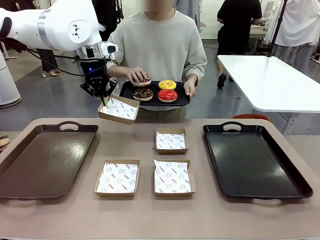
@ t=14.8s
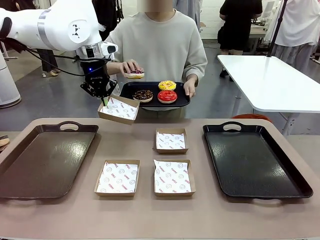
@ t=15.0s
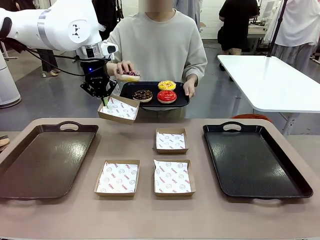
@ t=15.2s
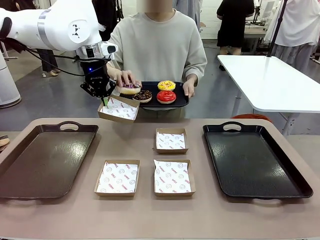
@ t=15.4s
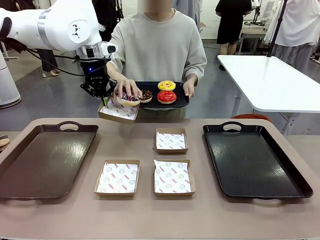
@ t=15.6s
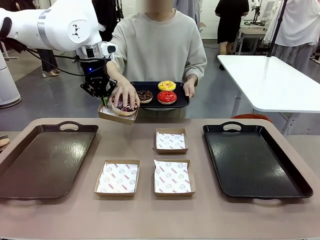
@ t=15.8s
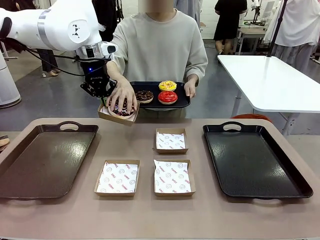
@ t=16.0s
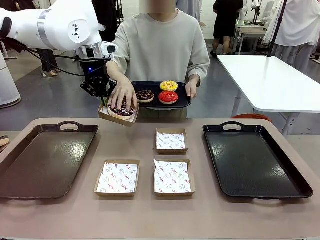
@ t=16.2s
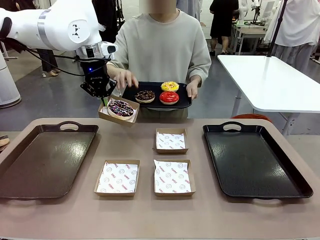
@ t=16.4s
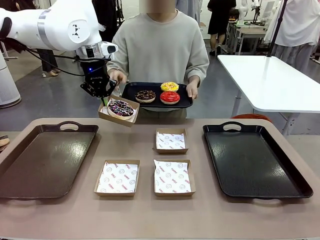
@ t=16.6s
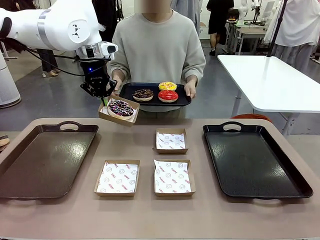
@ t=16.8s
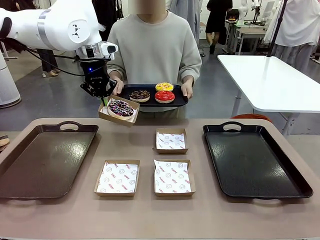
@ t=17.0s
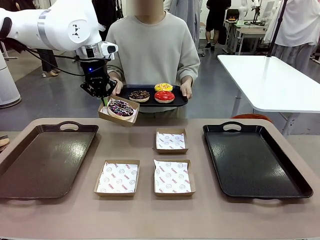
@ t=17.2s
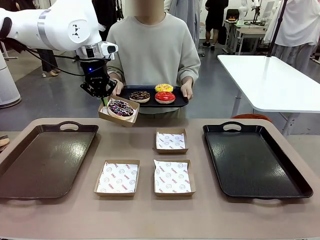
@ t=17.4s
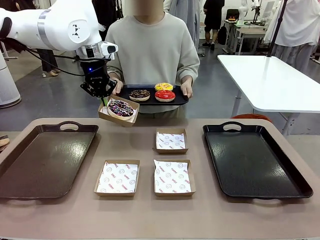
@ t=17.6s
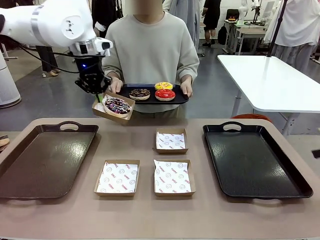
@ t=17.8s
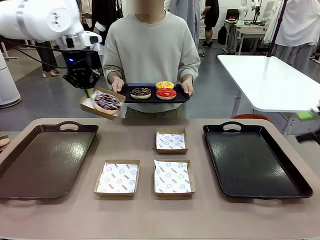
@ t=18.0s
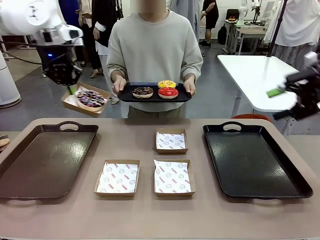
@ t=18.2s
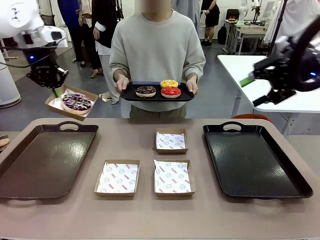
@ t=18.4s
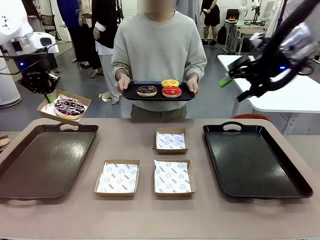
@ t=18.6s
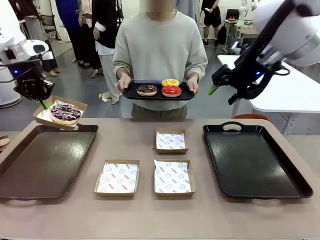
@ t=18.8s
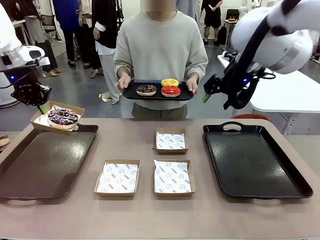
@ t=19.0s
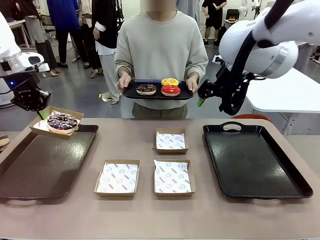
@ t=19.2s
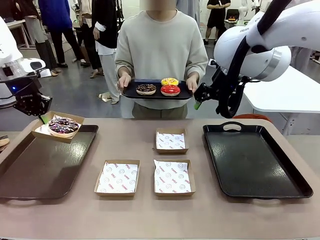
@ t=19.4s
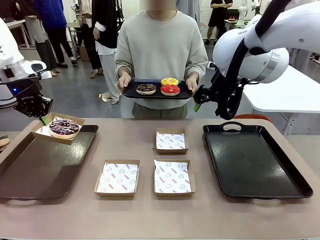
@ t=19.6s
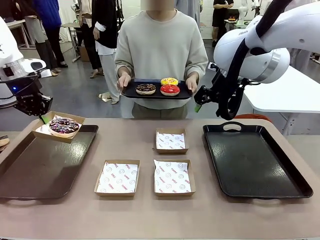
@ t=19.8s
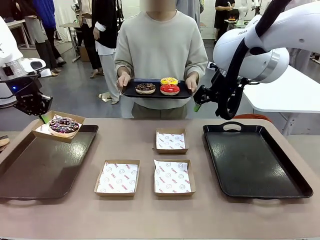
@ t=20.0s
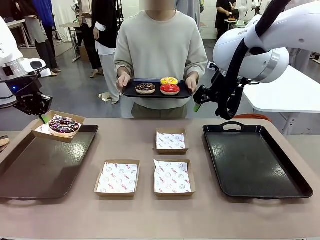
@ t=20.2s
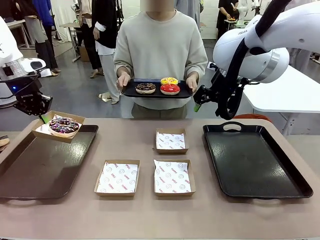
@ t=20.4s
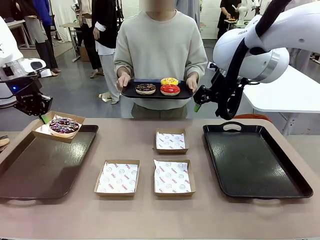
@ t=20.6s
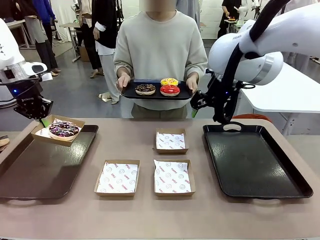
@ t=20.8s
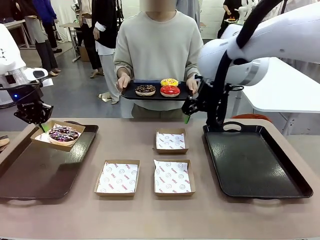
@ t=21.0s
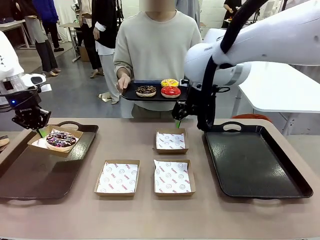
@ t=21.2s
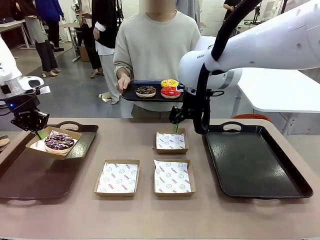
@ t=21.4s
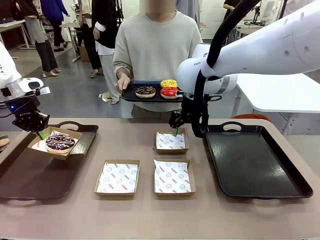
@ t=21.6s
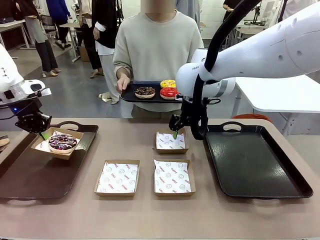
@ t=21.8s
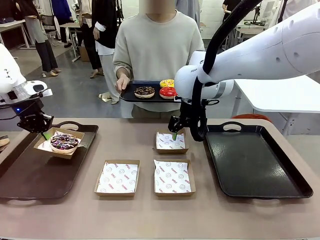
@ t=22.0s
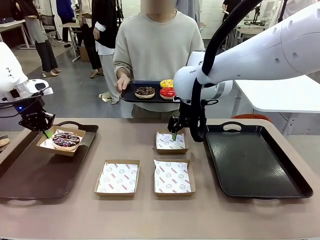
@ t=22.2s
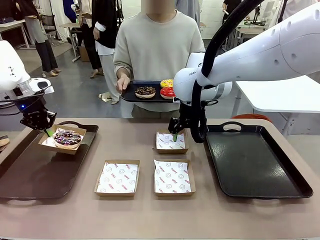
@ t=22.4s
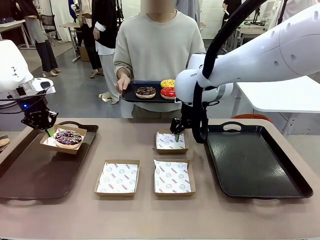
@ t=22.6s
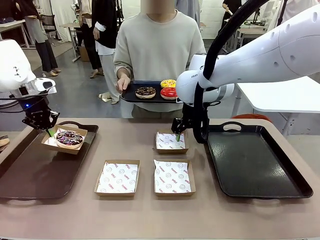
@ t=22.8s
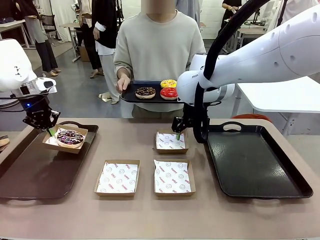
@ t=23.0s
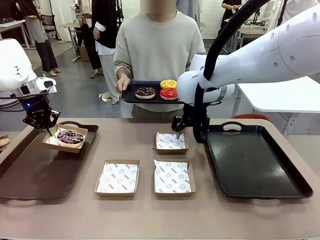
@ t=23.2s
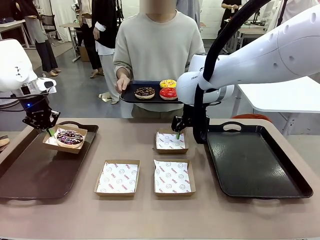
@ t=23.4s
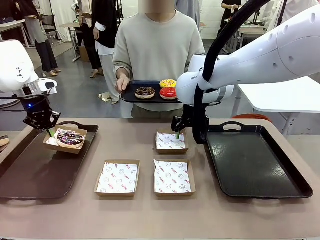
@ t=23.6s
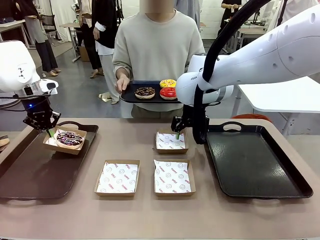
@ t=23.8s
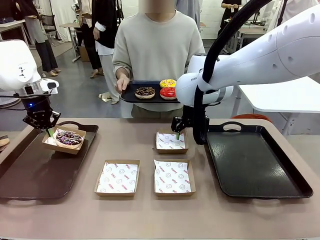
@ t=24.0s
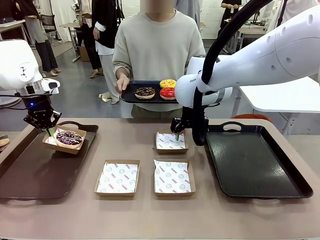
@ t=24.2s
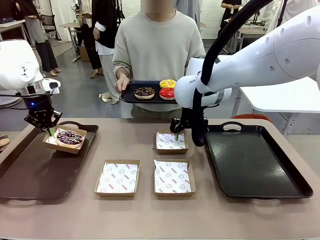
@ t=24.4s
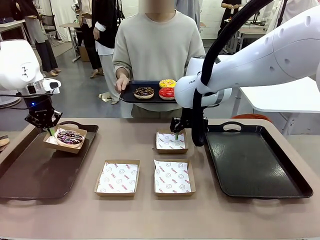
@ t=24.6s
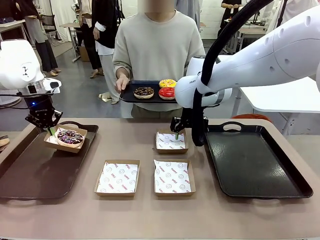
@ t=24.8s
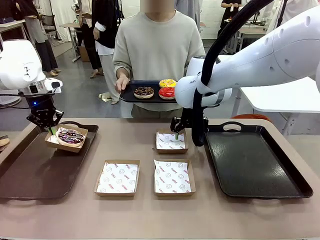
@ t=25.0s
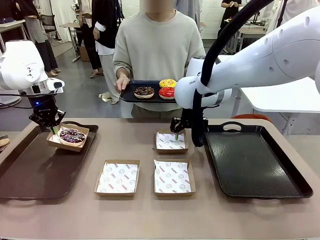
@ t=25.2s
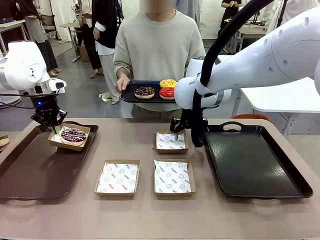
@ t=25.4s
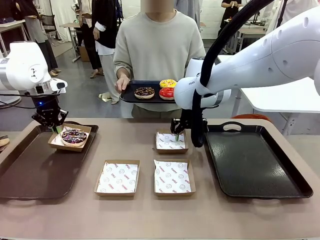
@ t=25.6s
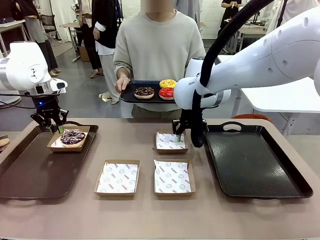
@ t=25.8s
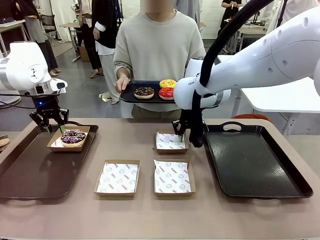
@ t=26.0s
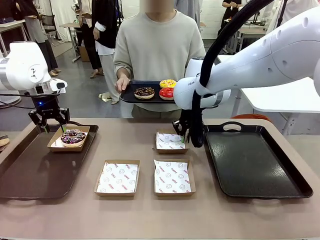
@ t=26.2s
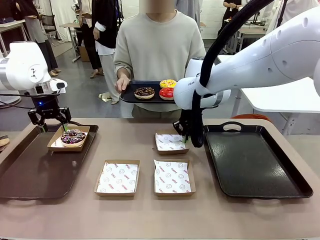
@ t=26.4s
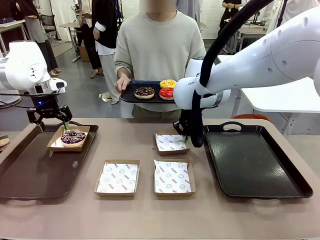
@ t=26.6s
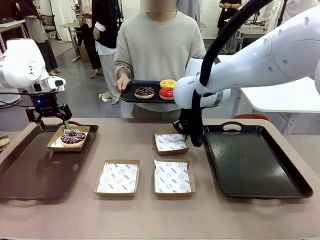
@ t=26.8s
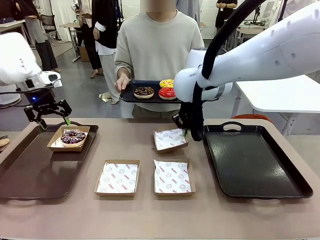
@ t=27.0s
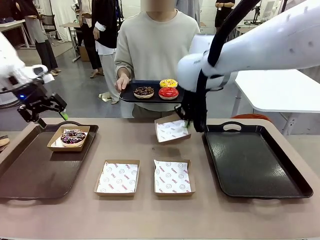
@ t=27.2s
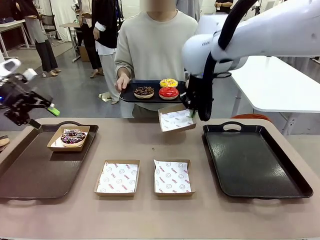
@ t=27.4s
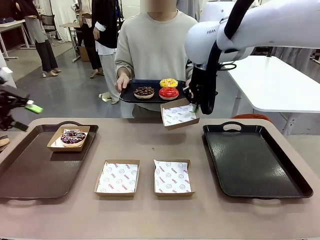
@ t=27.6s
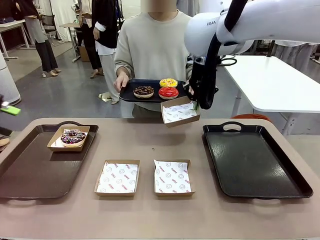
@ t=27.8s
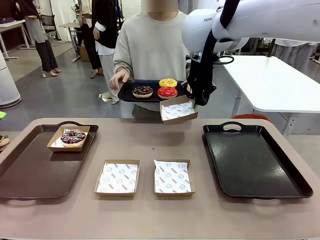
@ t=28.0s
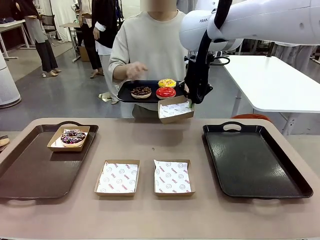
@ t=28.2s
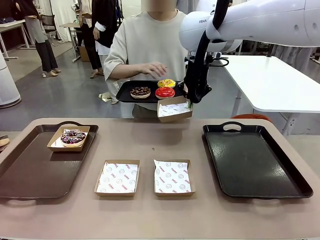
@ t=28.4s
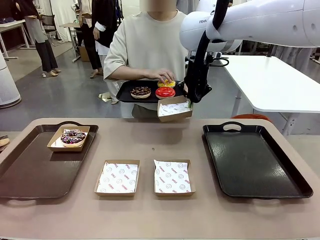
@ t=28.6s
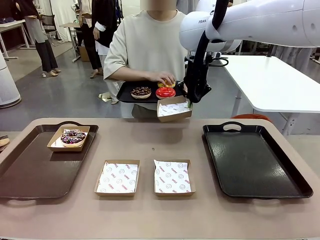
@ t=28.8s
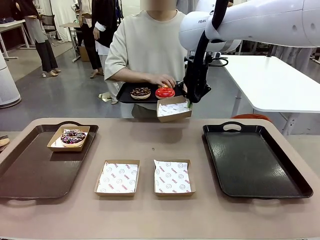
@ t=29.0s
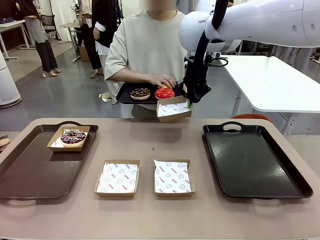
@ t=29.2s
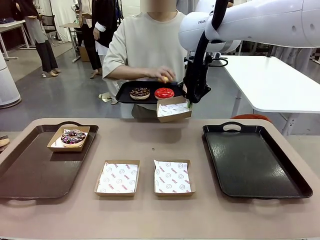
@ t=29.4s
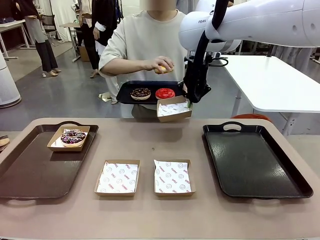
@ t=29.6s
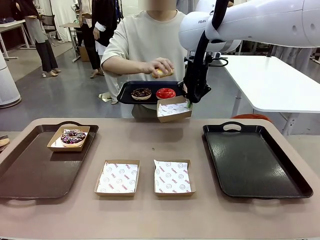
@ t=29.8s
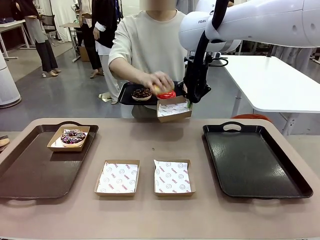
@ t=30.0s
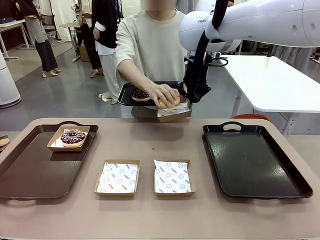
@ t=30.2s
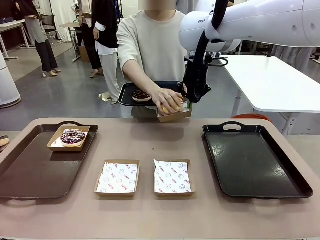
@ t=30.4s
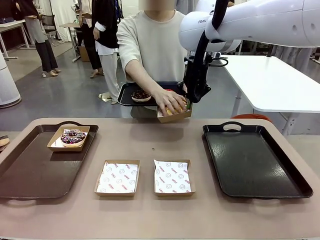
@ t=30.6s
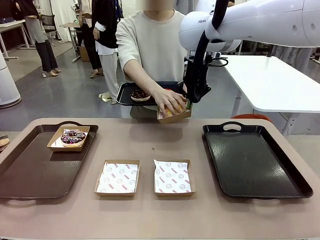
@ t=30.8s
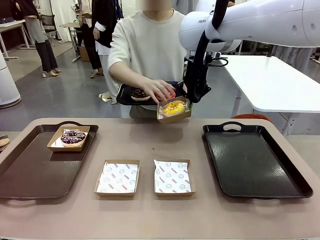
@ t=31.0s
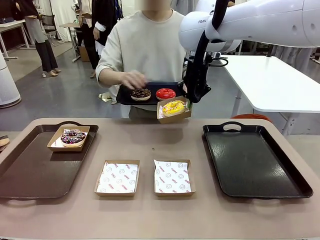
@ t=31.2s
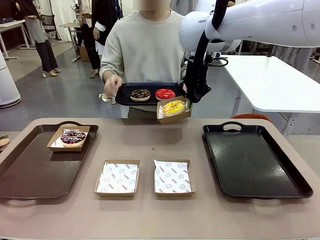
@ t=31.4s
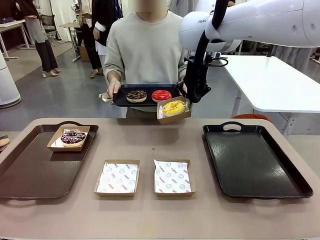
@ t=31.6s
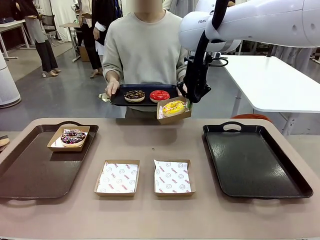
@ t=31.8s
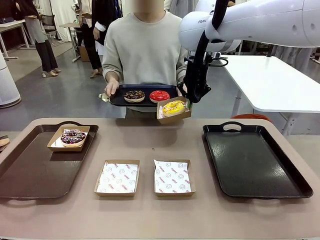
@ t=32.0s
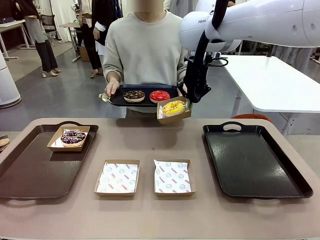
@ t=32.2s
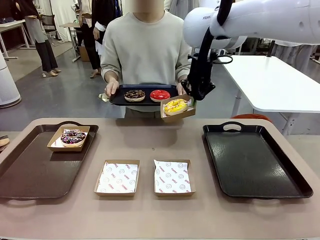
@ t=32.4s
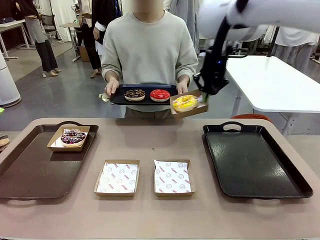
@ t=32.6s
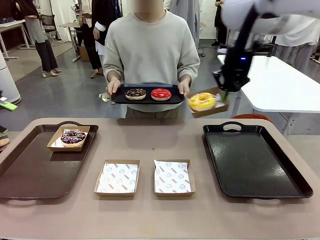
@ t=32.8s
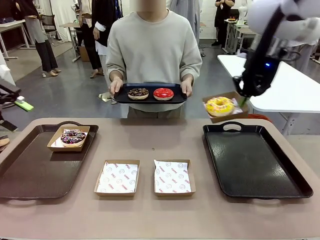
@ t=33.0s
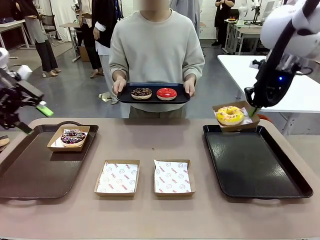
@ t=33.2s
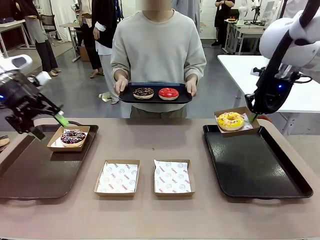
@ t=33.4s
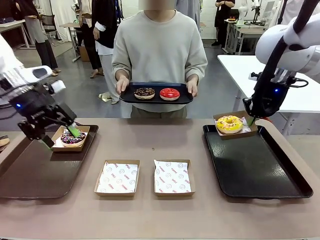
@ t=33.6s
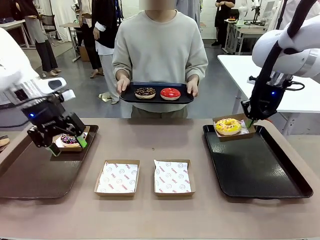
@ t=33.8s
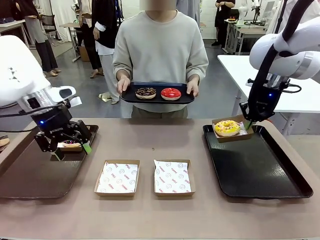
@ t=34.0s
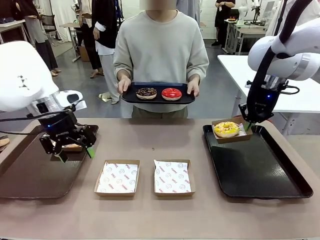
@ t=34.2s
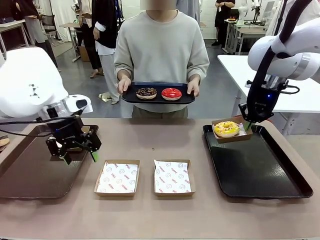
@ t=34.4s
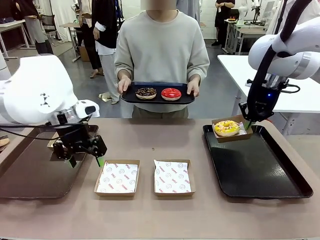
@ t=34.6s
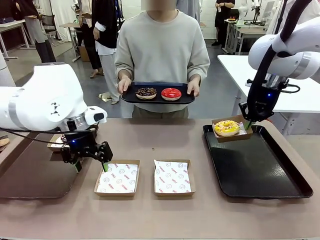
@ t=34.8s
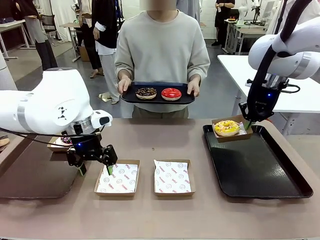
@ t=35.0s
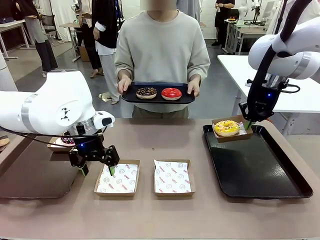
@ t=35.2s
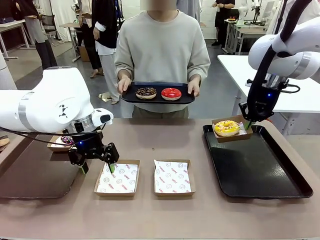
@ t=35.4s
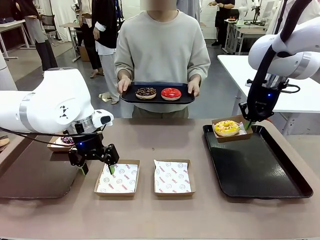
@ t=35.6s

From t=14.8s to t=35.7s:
Task: Individually package the donuts and arrange them on the tray.
Robot: Place the picked Paper togo box on the Handle tray while simultaneously picking up another Paper togo box from the table with the other hand.
